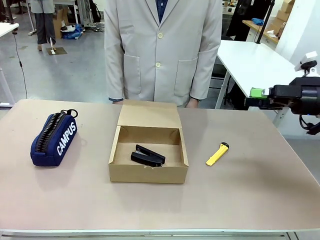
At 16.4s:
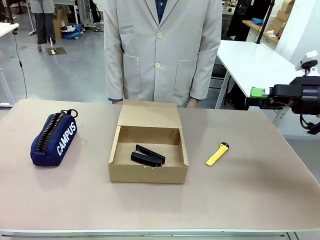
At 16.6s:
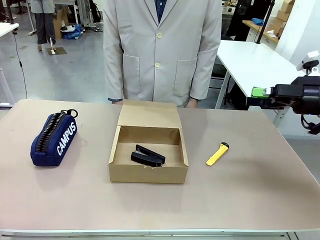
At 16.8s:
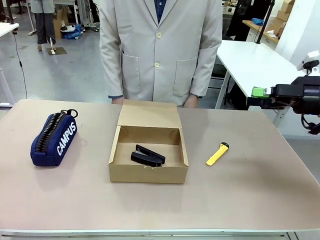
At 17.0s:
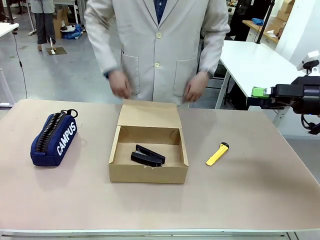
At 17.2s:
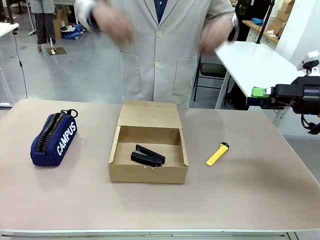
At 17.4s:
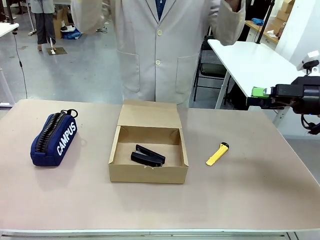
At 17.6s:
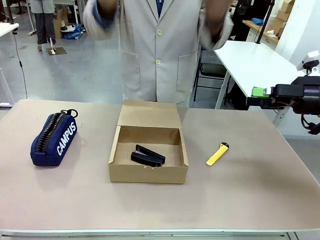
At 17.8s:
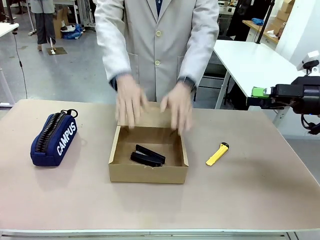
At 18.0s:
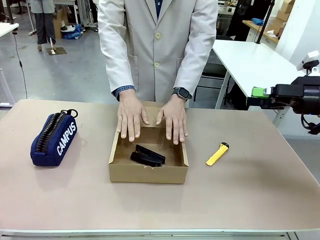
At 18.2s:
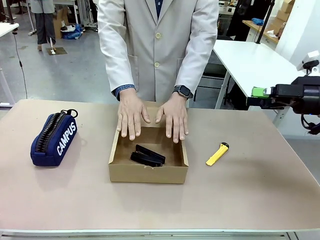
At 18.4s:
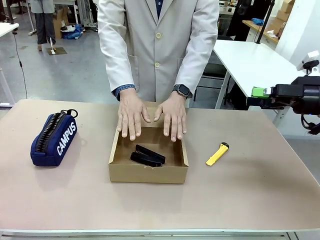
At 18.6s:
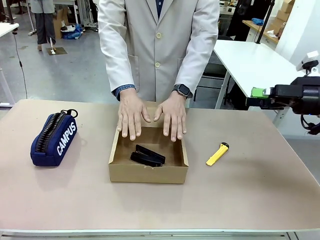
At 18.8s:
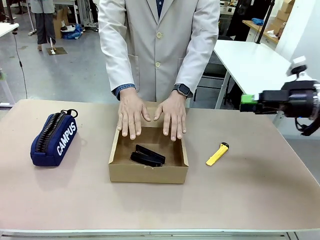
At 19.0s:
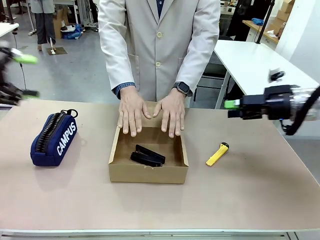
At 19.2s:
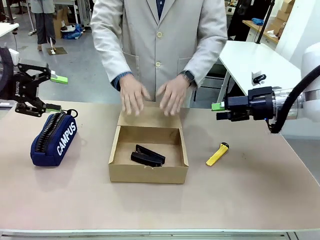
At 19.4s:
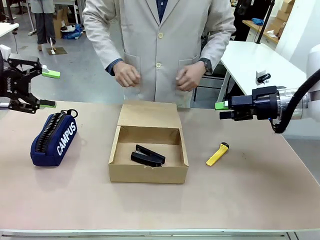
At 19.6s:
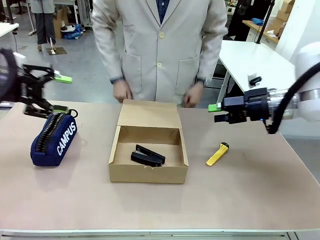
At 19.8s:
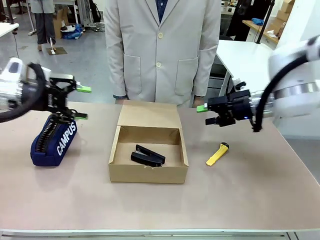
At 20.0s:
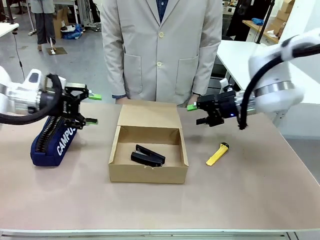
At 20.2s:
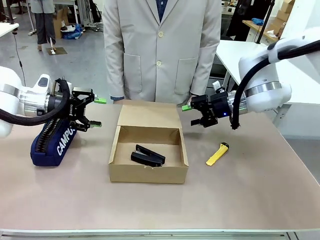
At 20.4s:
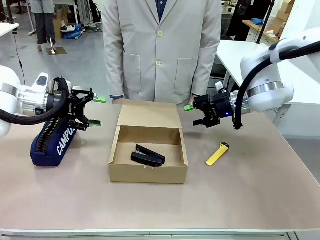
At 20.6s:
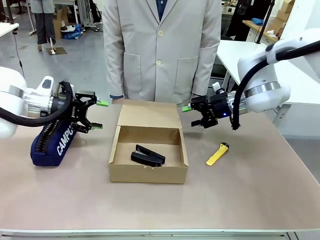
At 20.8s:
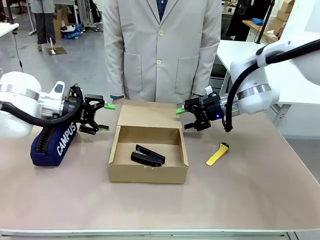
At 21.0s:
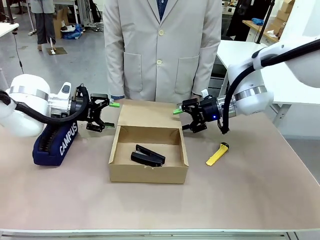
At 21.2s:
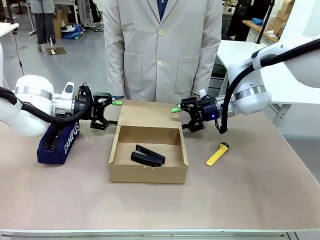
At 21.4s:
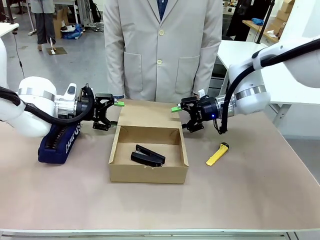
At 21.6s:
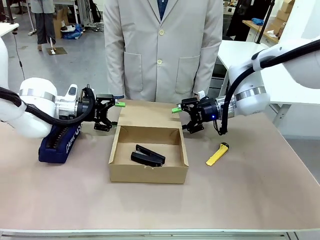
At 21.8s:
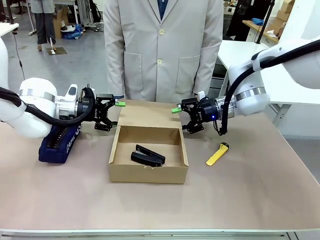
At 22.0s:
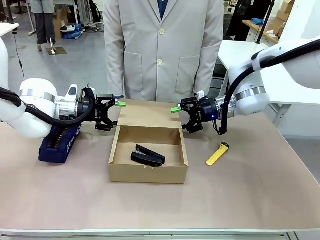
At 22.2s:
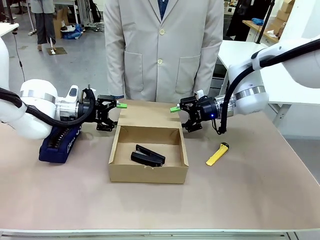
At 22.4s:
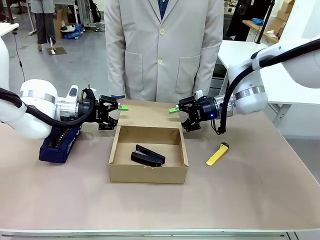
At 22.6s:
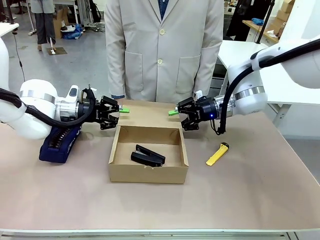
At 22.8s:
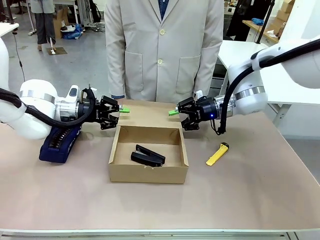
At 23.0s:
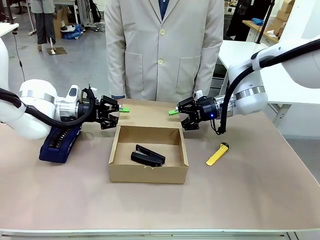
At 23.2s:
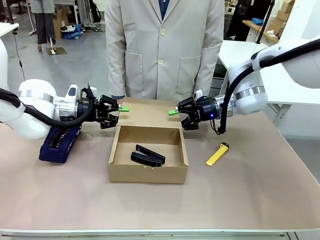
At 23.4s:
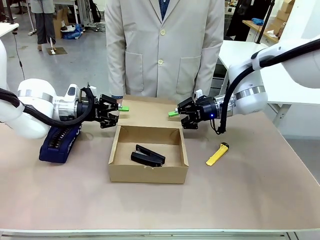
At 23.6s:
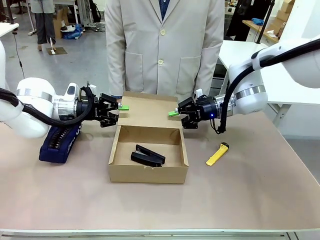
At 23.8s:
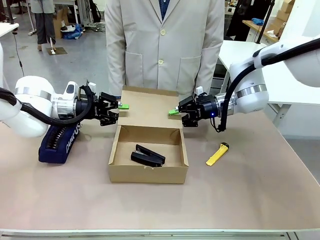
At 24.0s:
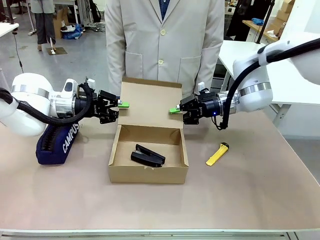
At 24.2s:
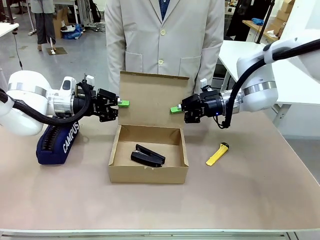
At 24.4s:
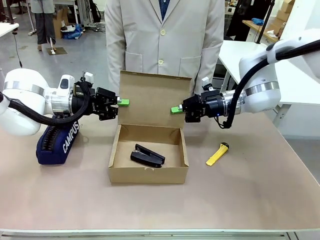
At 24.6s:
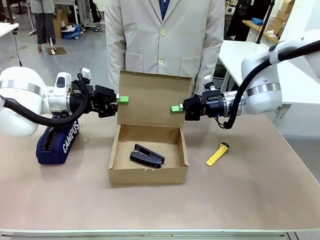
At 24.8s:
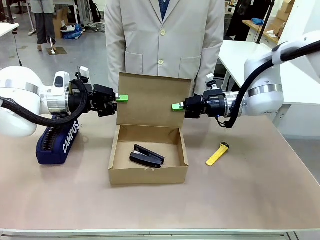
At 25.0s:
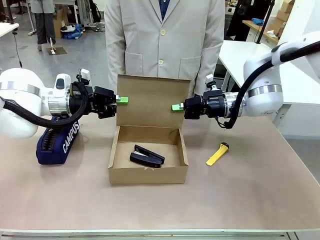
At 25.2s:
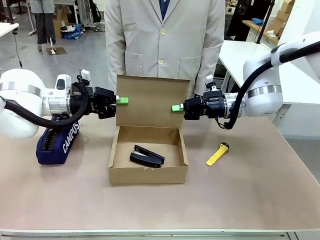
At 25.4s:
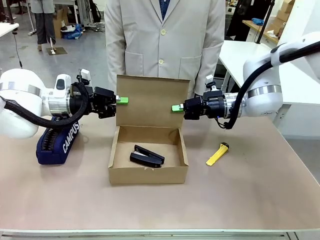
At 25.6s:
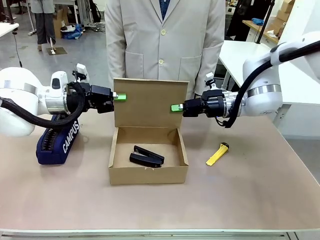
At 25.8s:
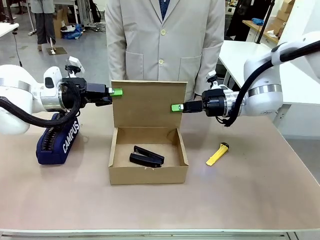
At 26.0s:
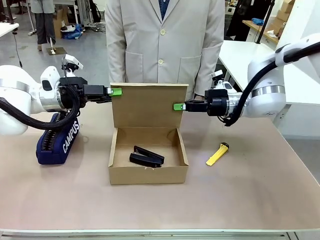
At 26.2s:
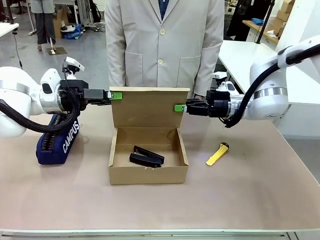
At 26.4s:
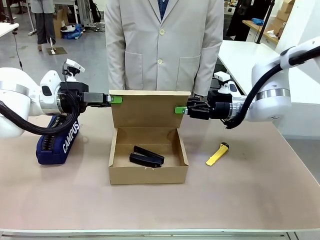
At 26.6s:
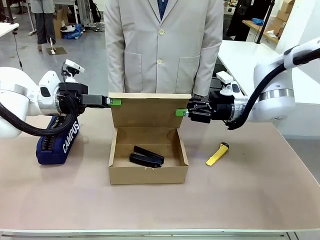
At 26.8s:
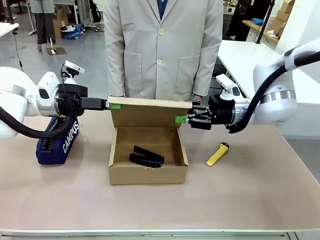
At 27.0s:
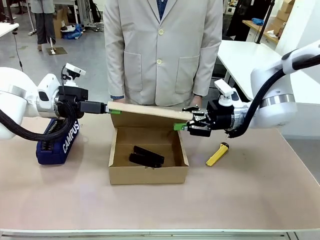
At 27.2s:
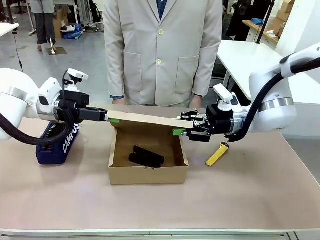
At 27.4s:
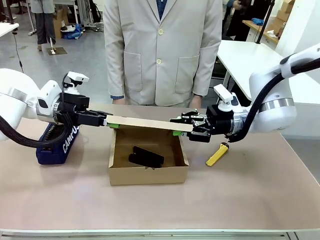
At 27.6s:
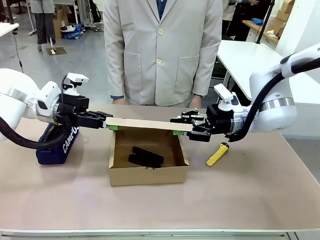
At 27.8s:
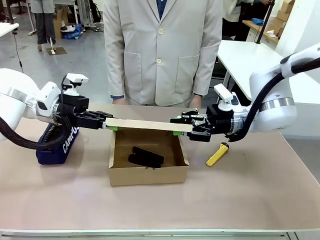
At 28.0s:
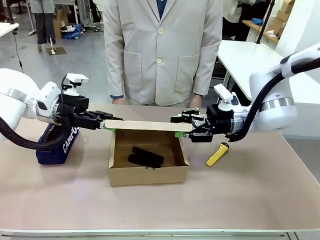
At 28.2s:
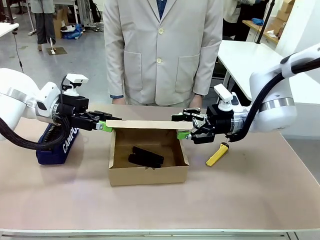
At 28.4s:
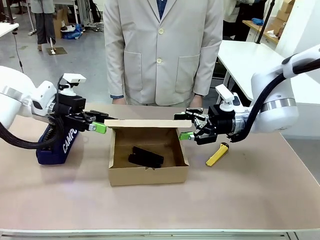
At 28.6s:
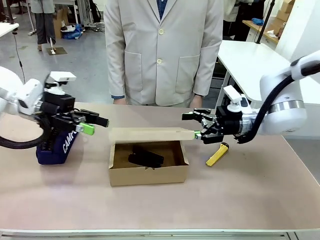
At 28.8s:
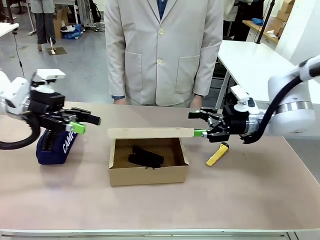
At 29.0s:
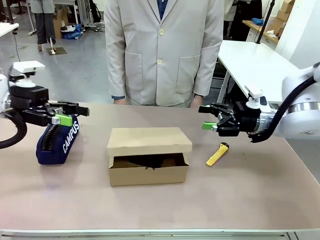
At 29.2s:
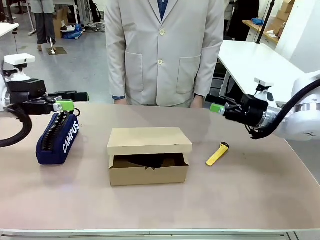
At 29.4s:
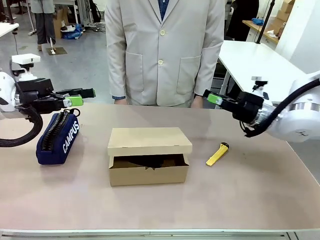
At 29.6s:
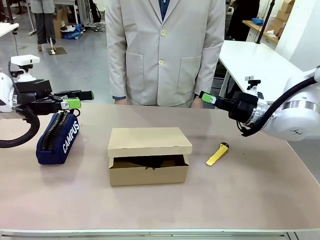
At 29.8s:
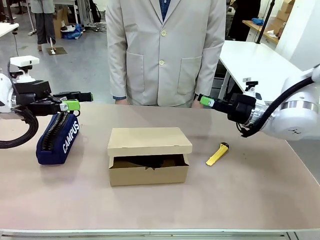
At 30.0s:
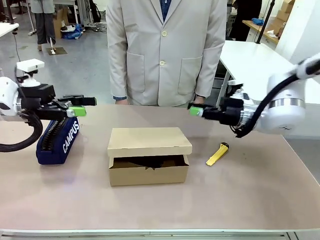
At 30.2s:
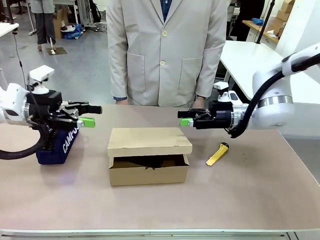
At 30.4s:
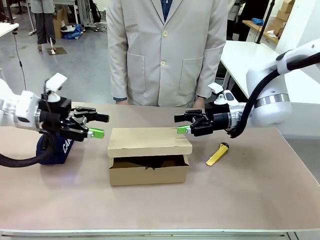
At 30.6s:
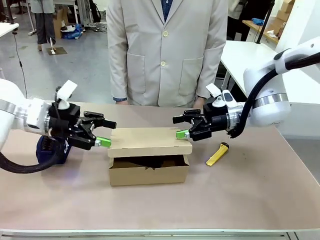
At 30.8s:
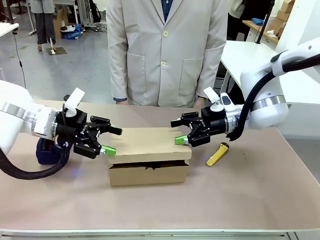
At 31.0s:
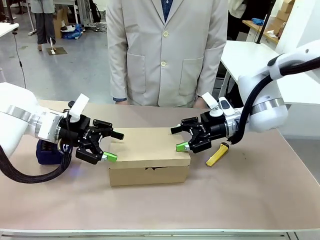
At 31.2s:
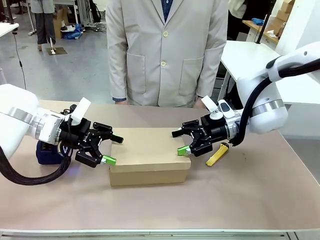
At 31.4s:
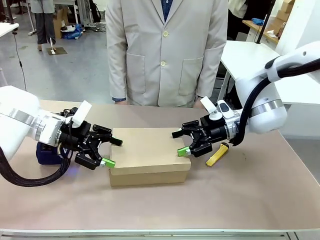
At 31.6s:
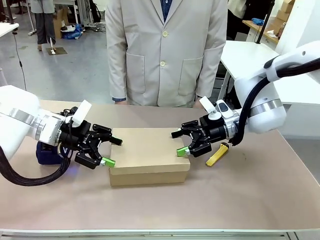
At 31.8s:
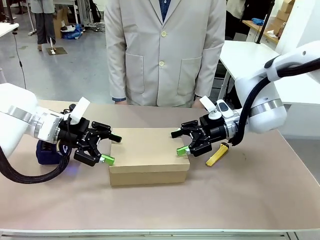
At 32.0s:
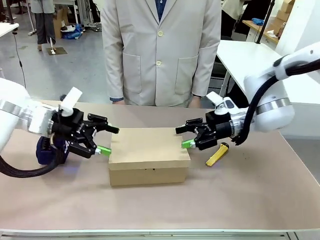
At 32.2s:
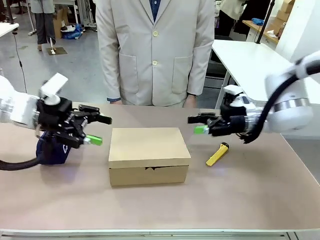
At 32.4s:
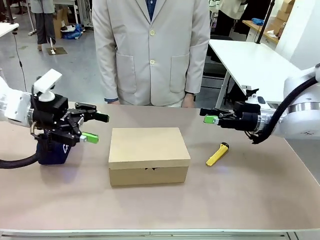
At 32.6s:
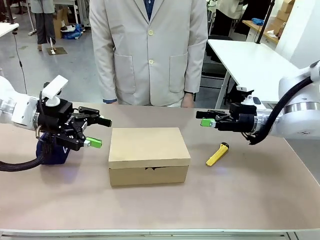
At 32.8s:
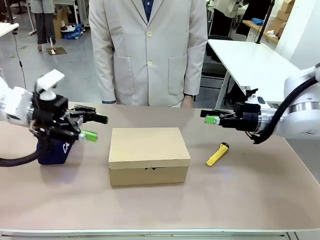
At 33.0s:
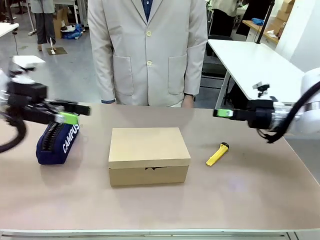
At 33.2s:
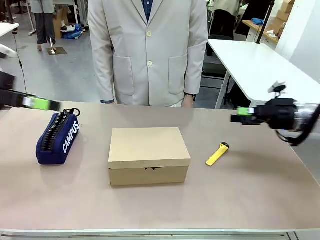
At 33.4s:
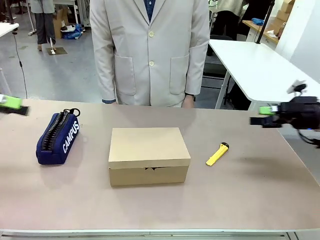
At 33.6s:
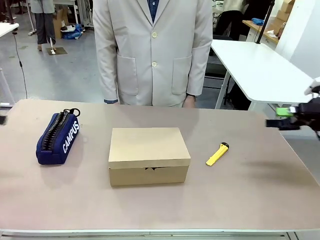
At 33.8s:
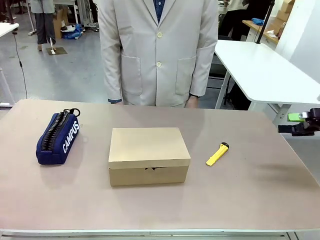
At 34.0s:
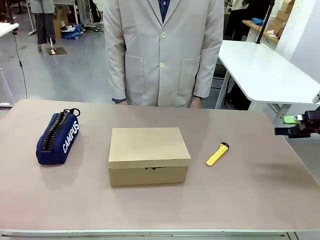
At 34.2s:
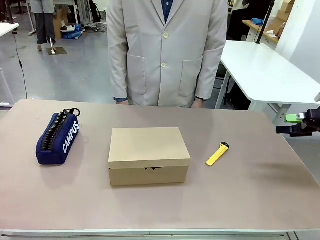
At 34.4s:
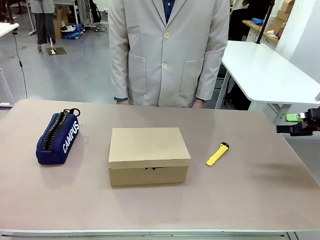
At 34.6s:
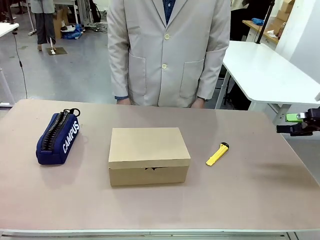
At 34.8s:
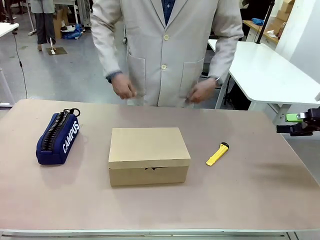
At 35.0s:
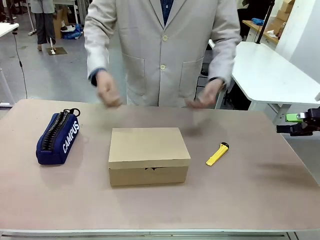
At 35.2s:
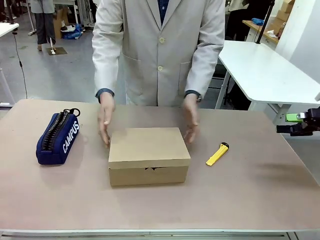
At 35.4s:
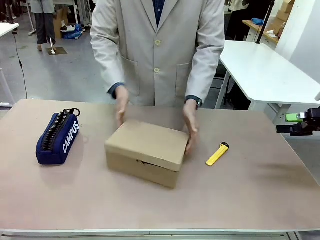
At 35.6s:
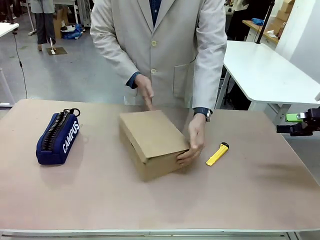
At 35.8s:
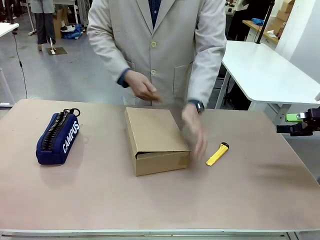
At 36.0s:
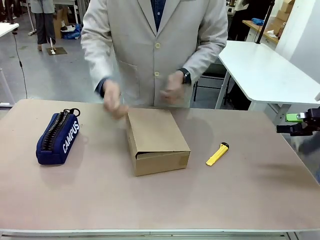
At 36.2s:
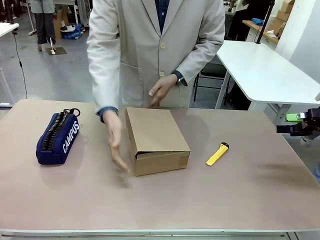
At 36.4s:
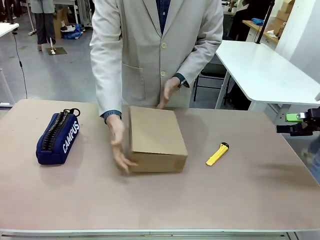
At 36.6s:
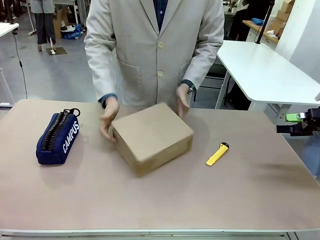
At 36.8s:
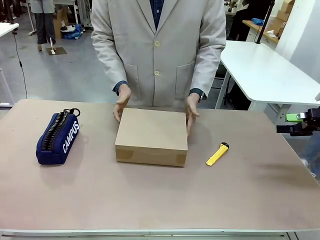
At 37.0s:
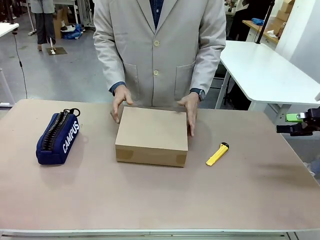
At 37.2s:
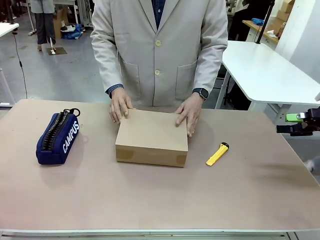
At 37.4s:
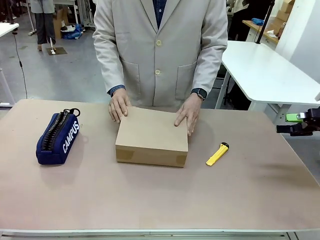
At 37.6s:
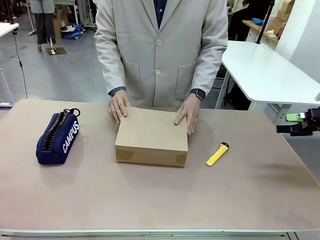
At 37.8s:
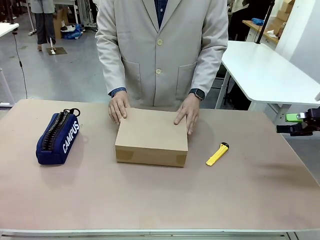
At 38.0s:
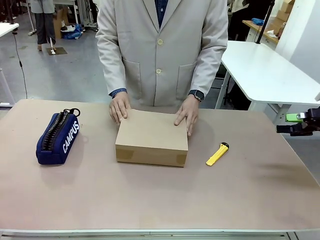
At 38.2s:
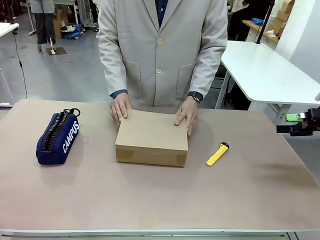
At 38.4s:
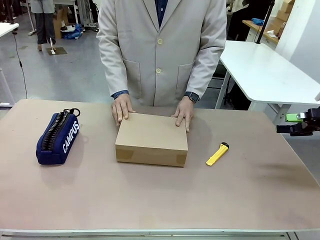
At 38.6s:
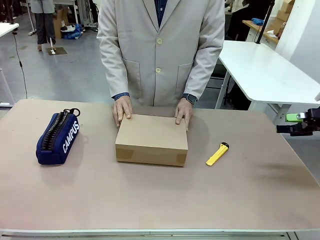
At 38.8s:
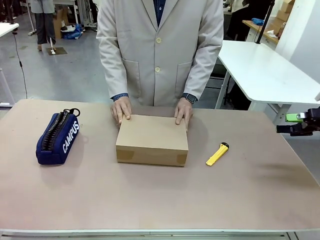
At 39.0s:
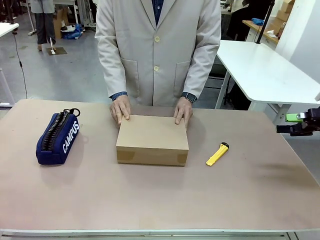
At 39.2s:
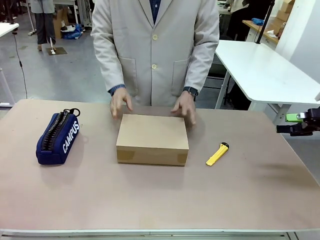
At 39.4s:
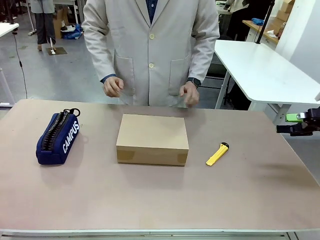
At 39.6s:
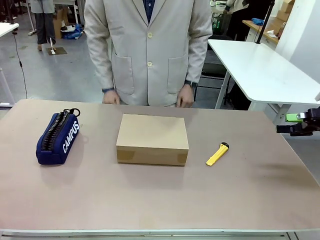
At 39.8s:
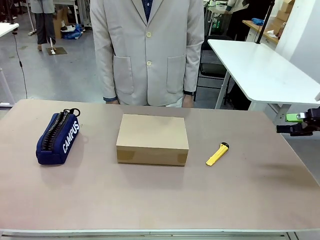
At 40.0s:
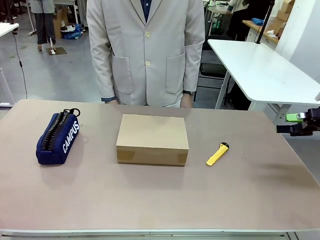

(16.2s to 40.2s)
Task: Pack the item into the box.
Robot: Close the Mailer Box.
Person: Lower both hands vertically with palms facing downward, as if pressing something closed. Turn the box and lock it.
